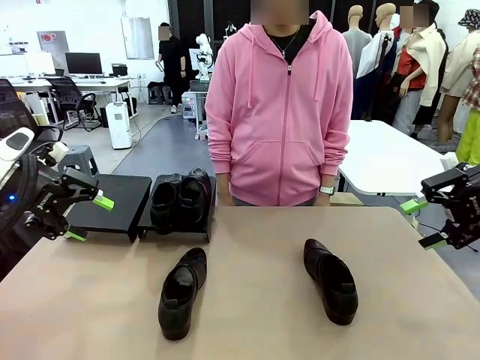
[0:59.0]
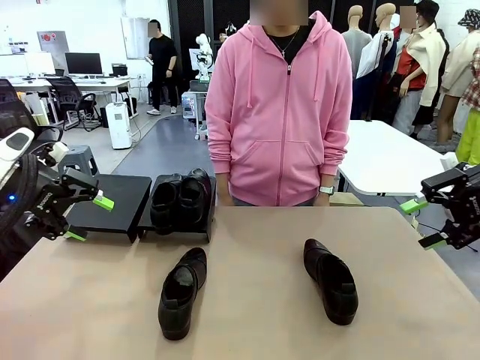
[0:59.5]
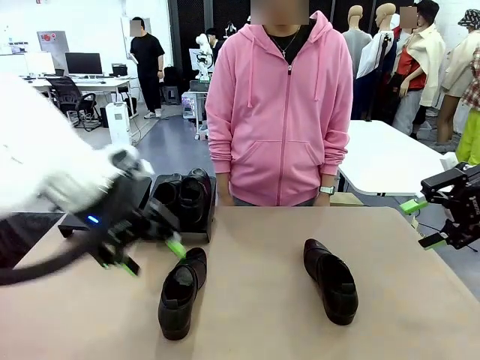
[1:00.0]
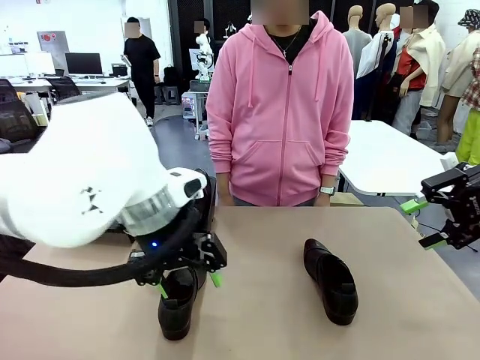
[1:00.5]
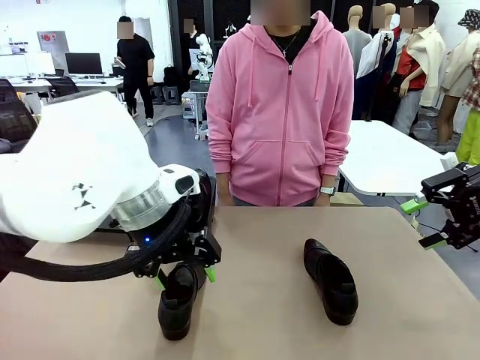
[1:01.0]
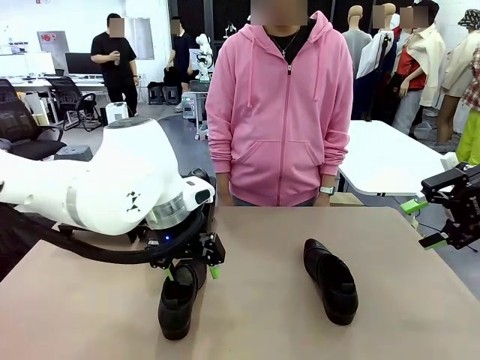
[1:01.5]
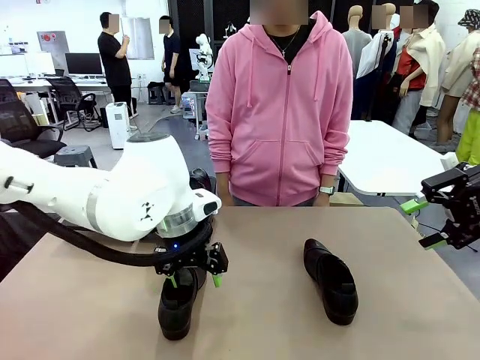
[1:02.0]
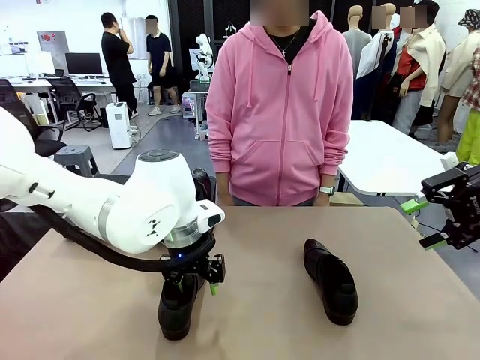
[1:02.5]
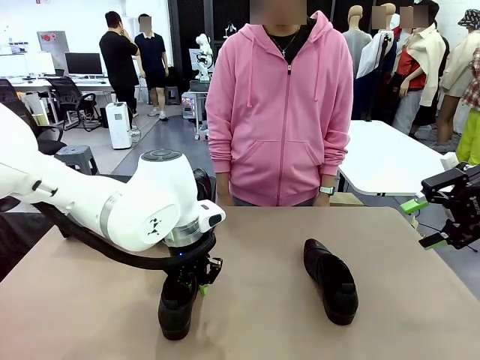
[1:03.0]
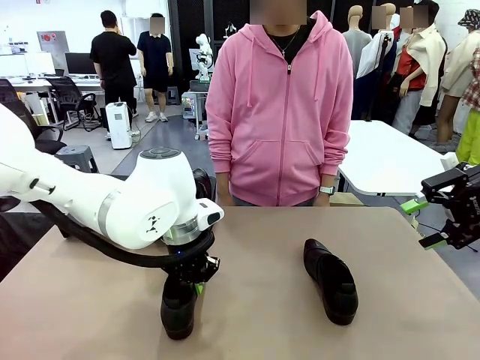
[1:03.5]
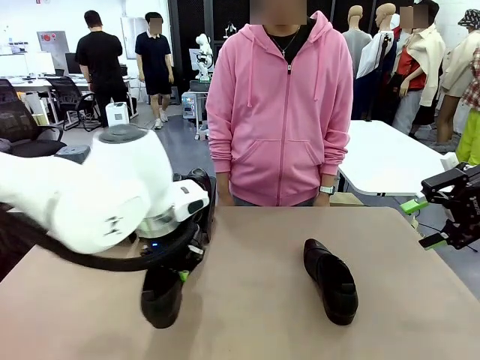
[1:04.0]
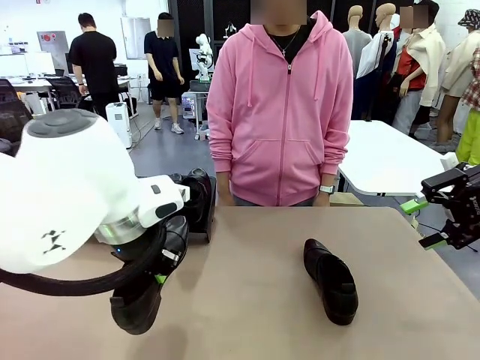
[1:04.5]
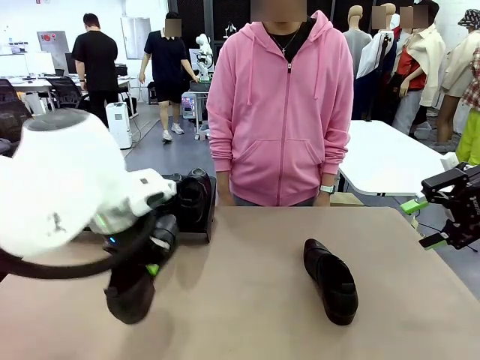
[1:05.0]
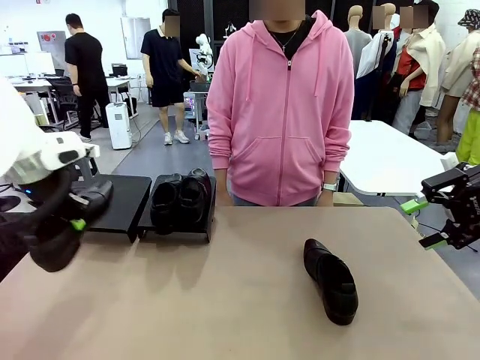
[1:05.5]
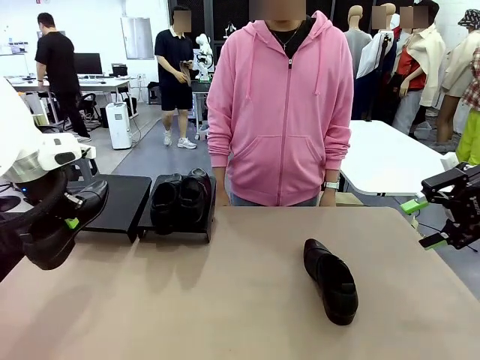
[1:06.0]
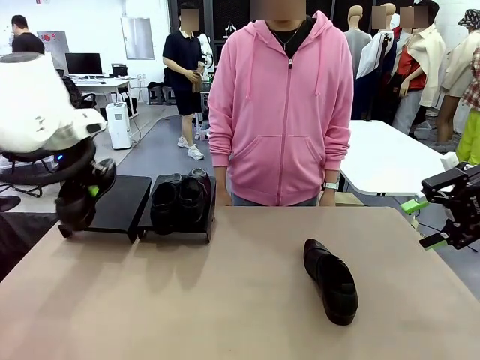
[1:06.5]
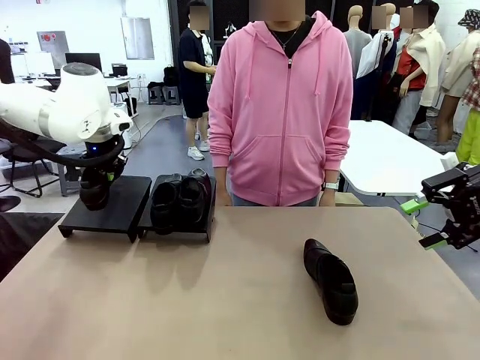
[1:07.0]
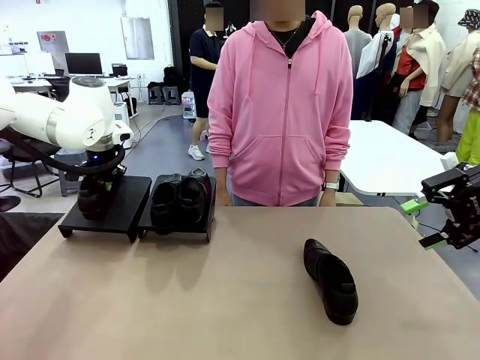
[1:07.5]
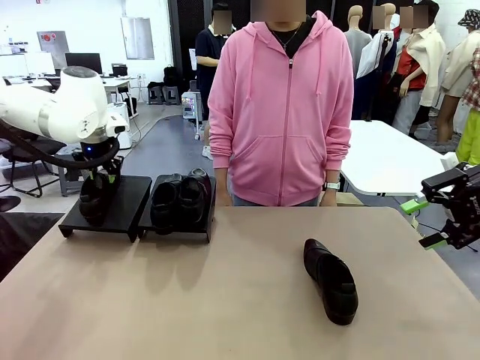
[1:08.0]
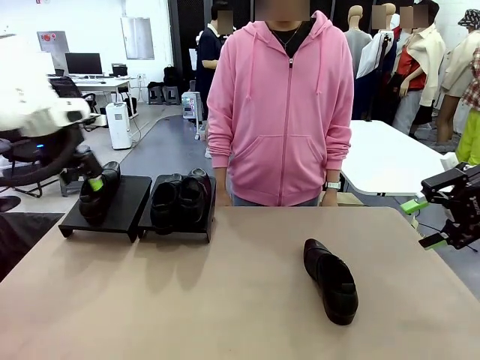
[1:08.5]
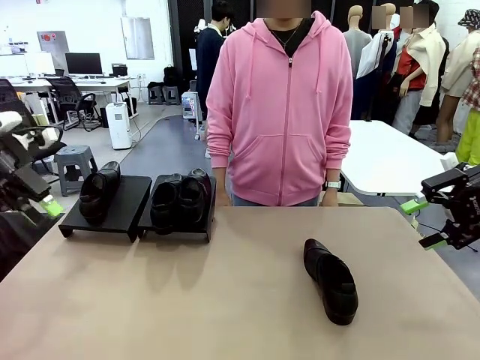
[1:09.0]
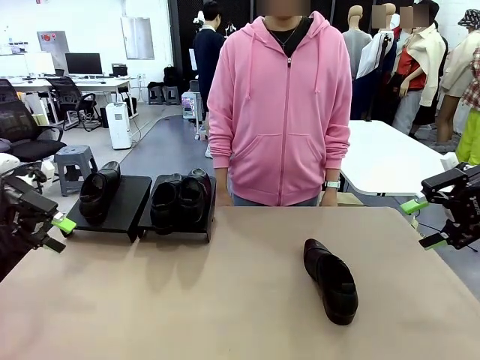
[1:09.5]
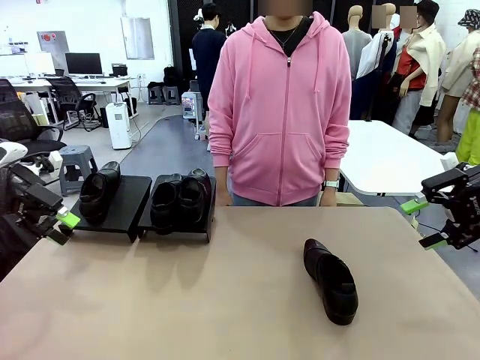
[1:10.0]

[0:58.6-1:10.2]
Task: Organize the shoes by placing them on the stand.
Robot: Place the Shoe from the middle of the table onto the Shoes Stand.

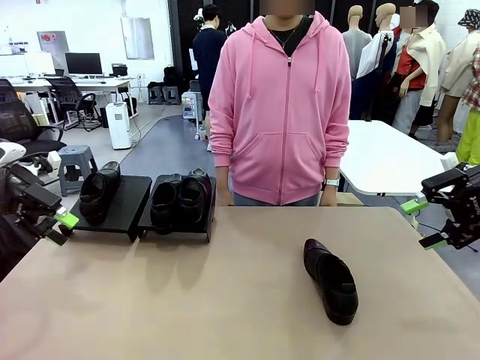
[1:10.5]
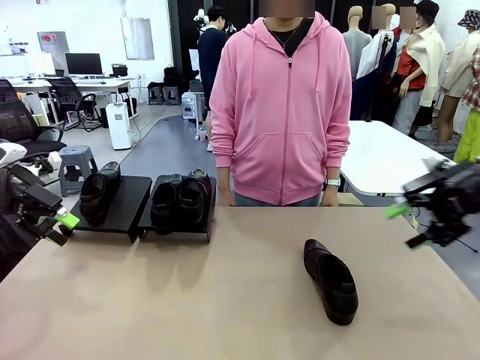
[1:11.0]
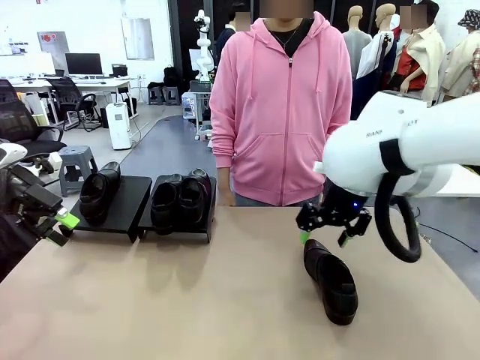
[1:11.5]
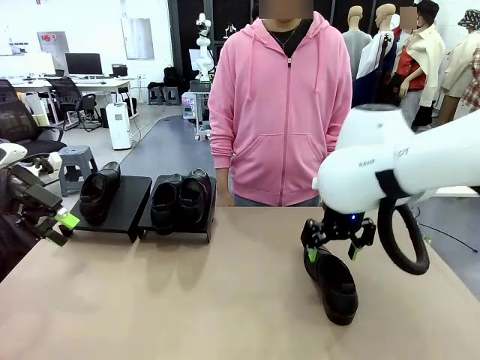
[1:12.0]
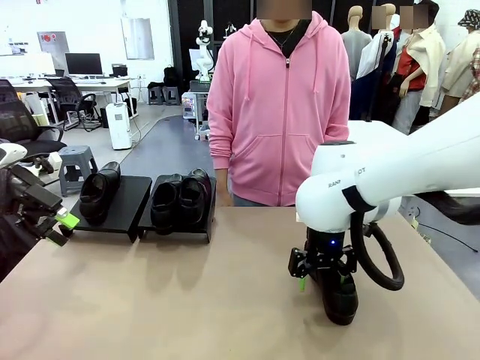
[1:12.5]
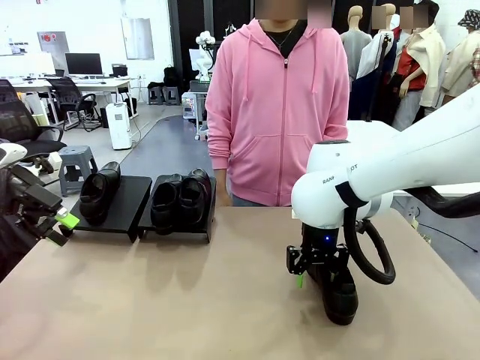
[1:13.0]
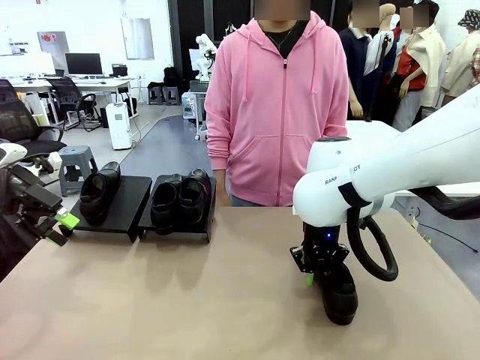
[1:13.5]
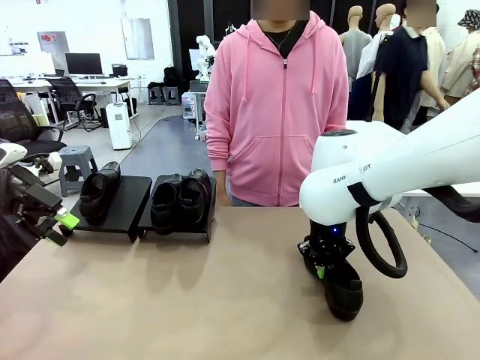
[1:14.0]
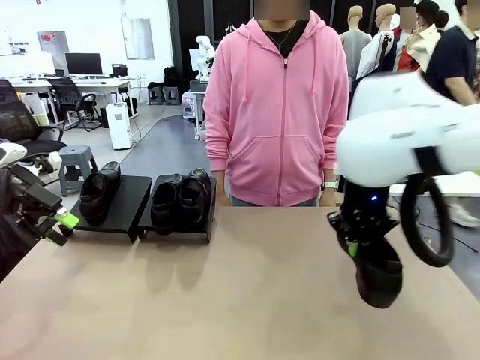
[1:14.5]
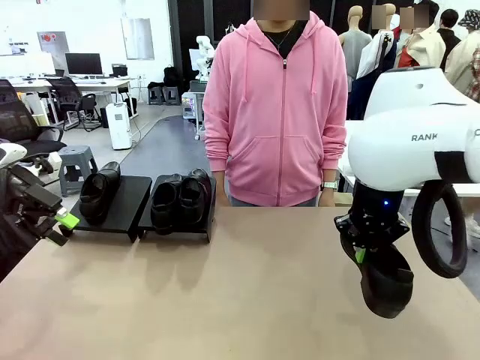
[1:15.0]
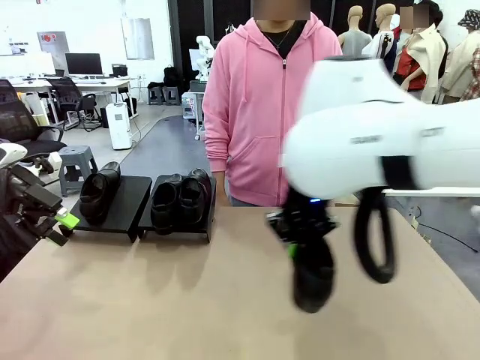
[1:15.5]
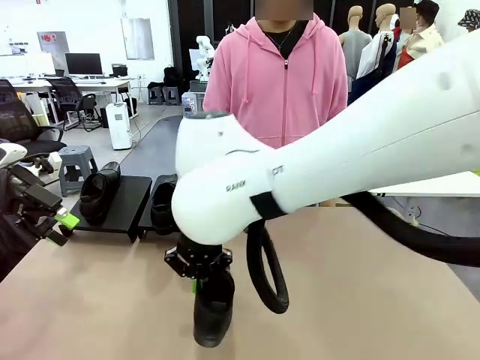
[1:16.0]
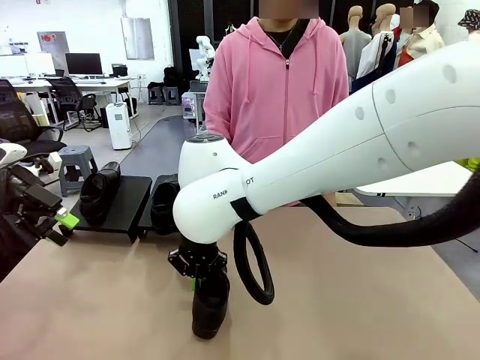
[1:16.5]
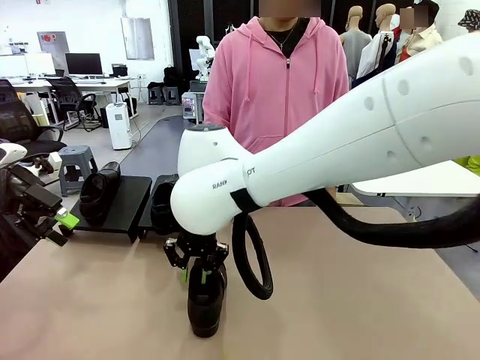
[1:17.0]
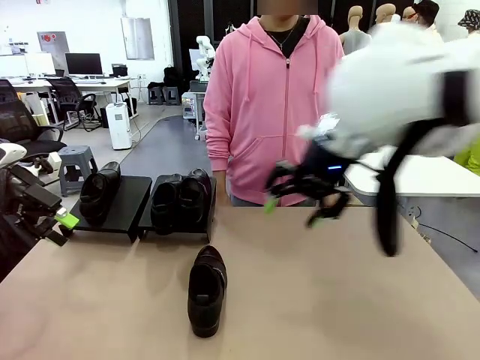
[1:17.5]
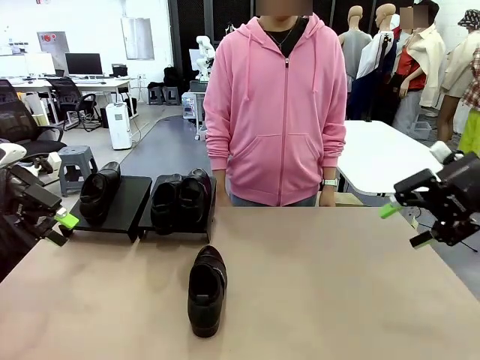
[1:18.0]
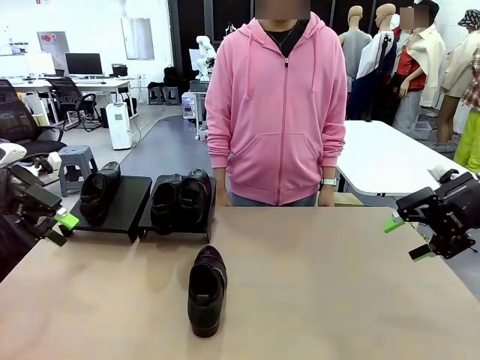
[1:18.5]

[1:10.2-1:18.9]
Robot: Pick up one Shoe and place it in the middle of the table.

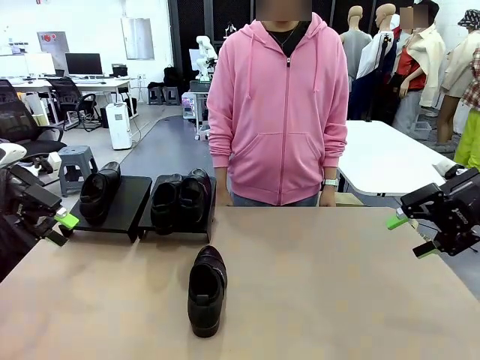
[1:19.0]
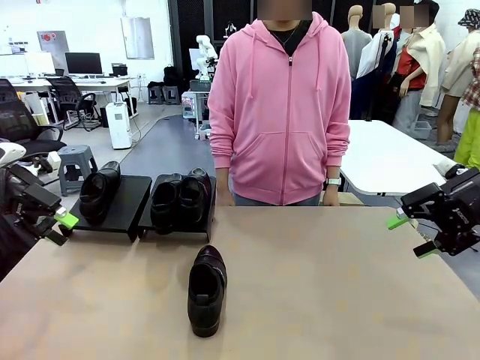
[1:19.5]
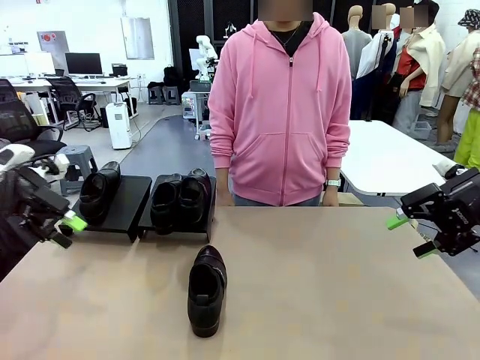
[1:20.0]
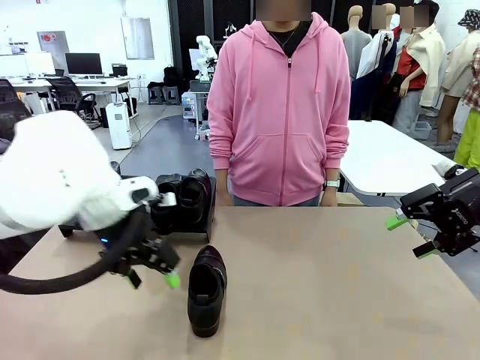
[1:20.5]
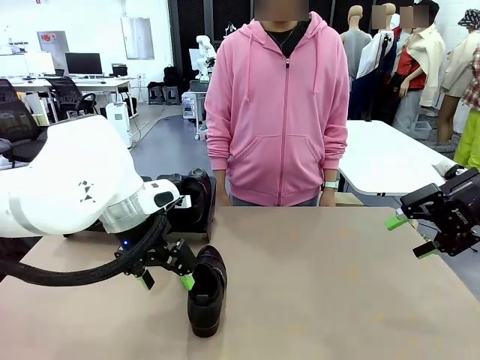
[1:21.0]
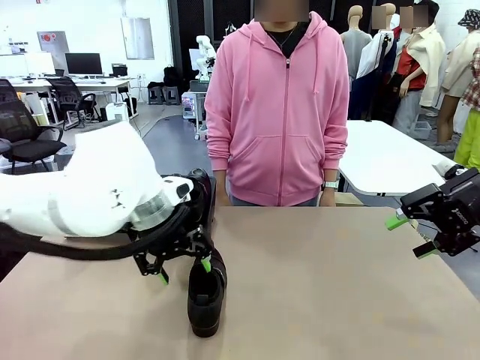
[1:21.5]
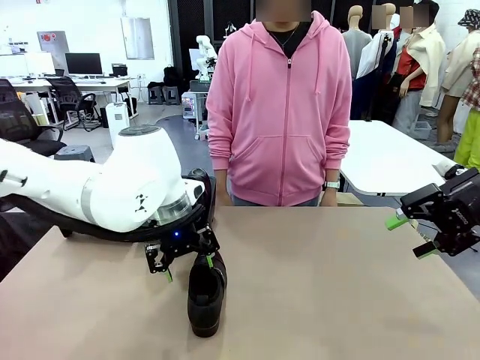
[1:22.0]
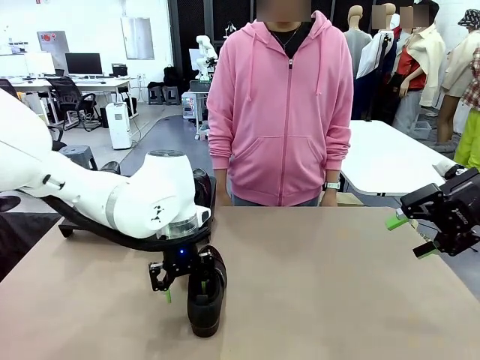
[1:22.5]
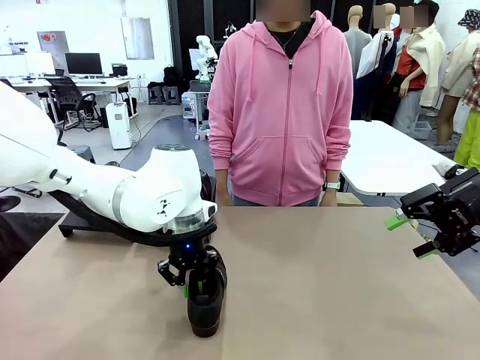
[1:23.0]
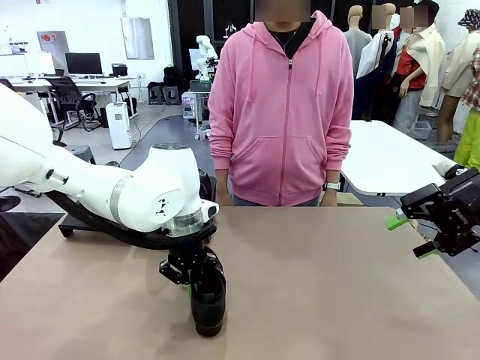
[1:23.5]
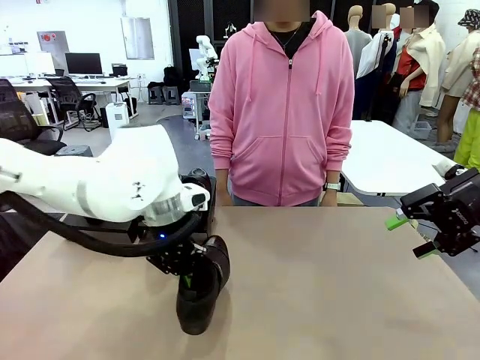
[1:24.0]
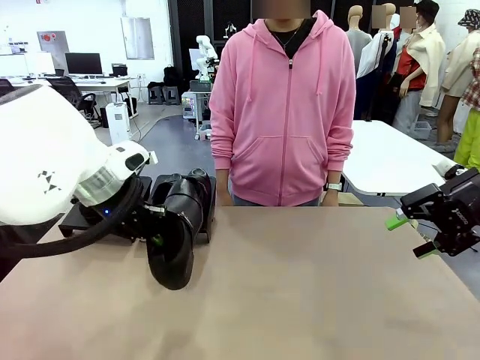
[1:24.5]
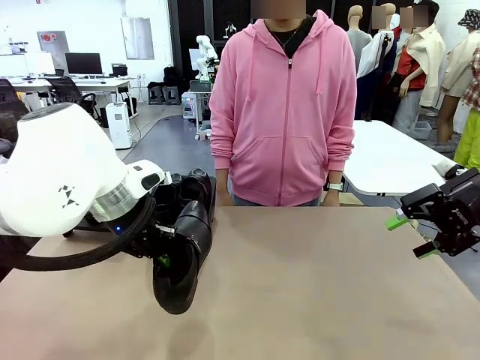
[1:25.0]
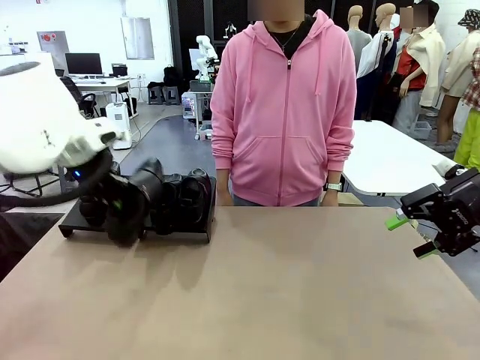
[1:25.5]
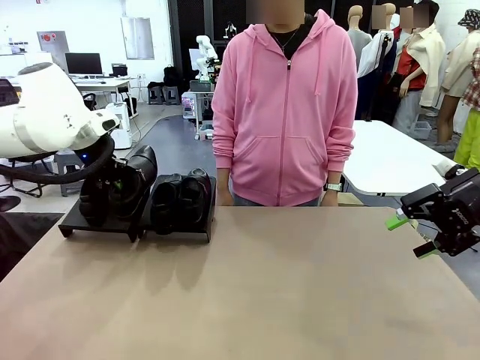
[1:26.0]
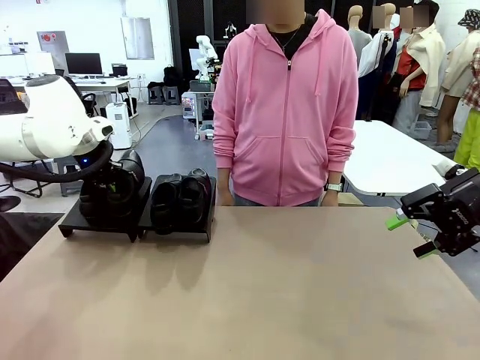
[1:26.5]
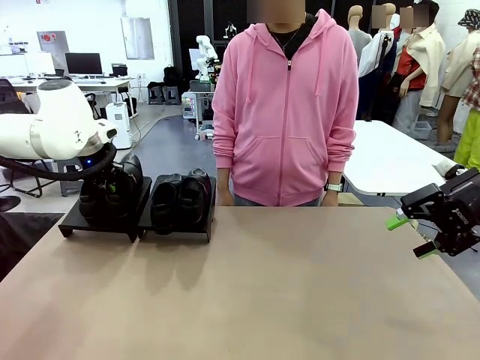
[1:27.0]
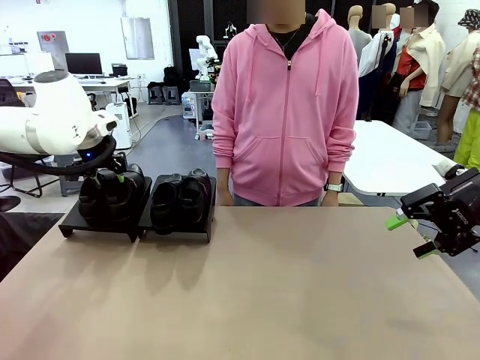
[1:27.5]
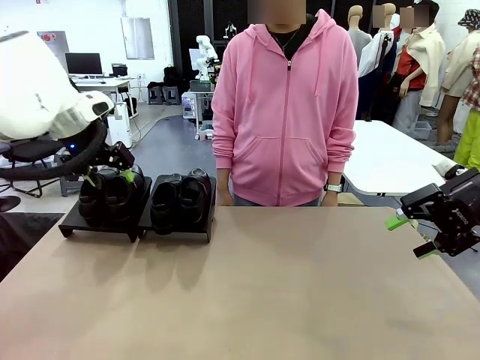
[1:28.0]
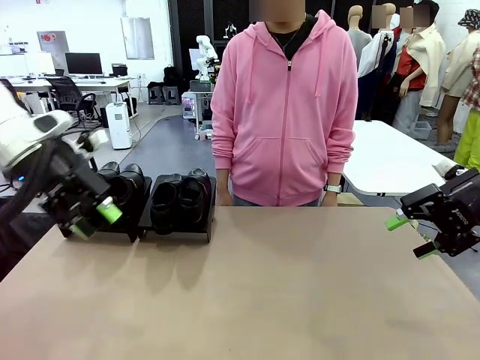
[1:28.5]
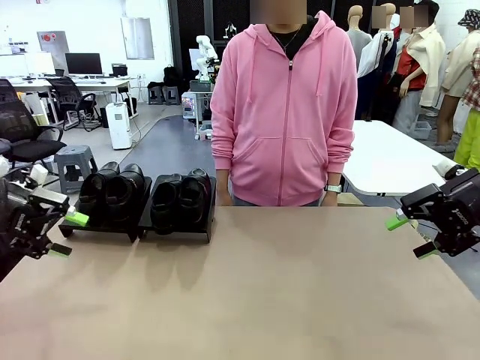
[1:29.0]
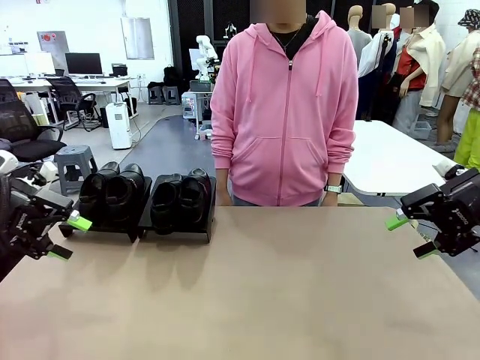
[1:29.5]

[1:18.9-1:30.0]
Robot: Place the Shoe from the middle of the table onto the Shoes Stand.
